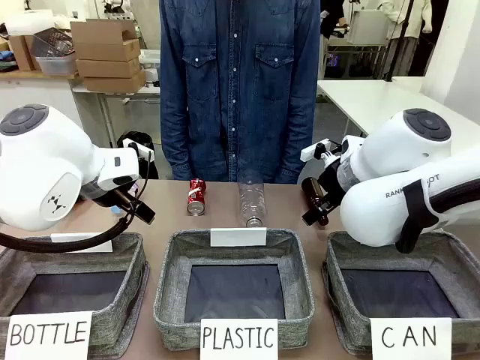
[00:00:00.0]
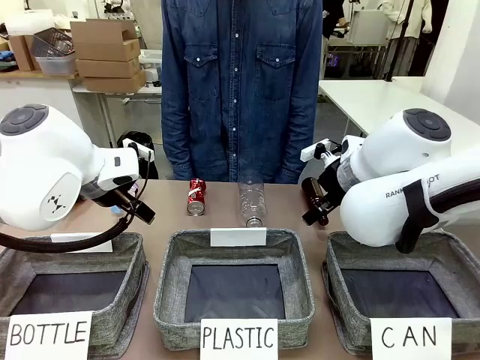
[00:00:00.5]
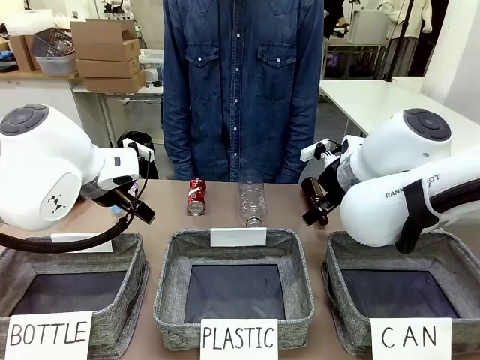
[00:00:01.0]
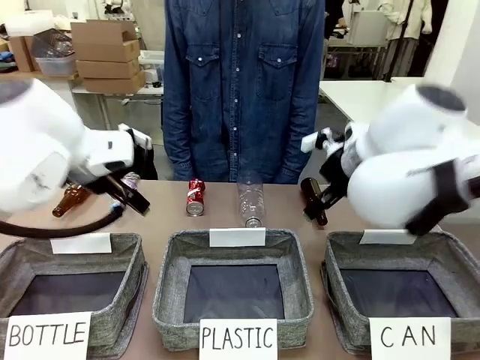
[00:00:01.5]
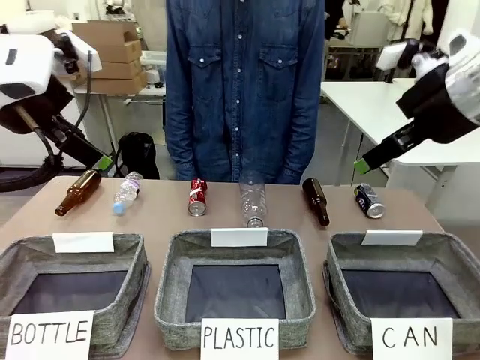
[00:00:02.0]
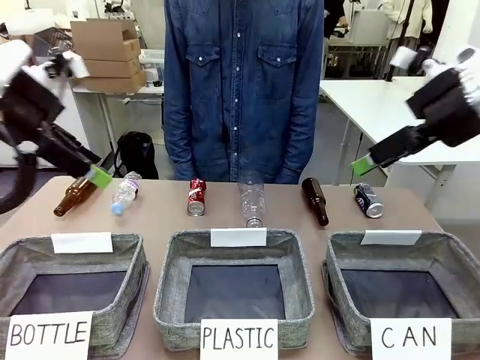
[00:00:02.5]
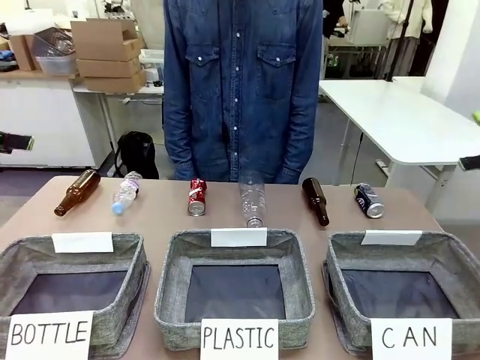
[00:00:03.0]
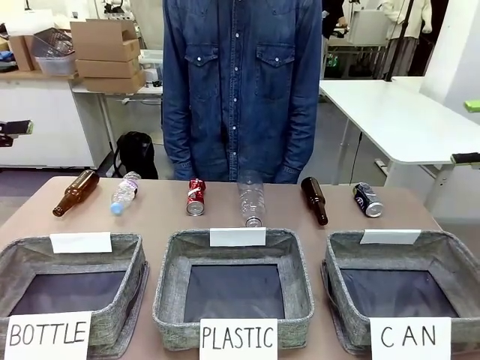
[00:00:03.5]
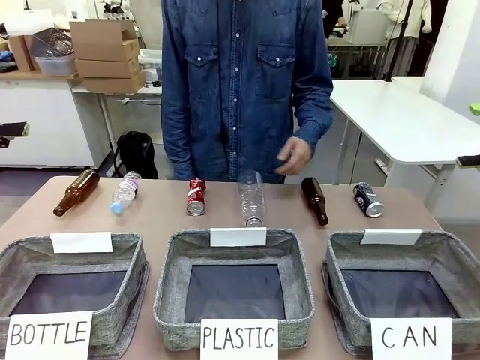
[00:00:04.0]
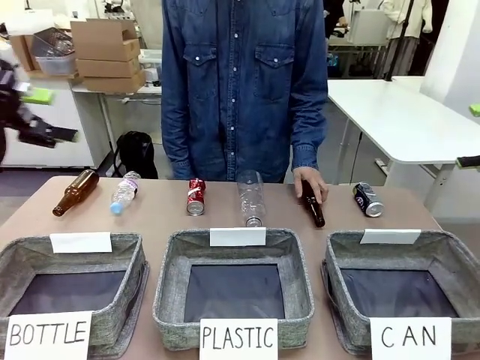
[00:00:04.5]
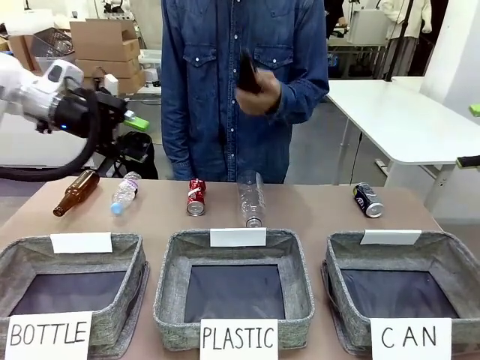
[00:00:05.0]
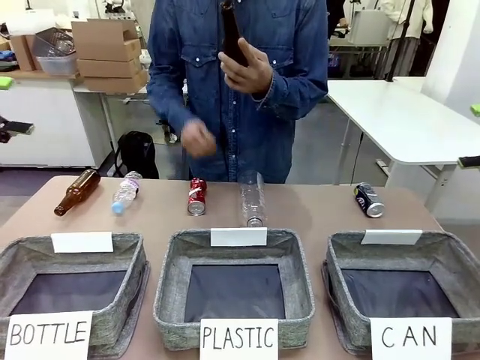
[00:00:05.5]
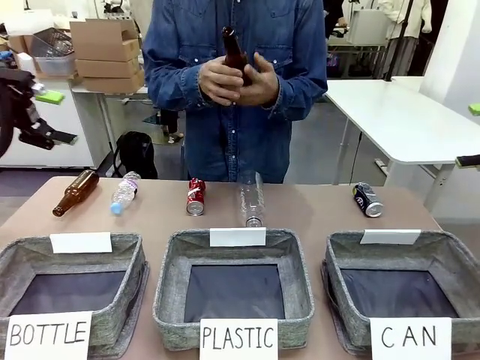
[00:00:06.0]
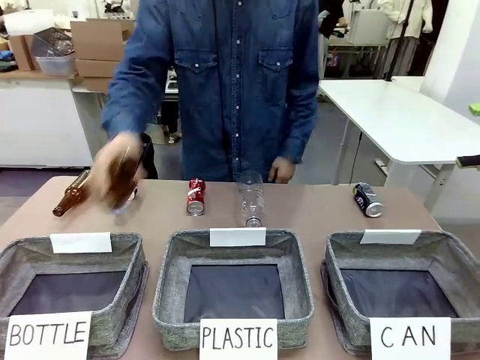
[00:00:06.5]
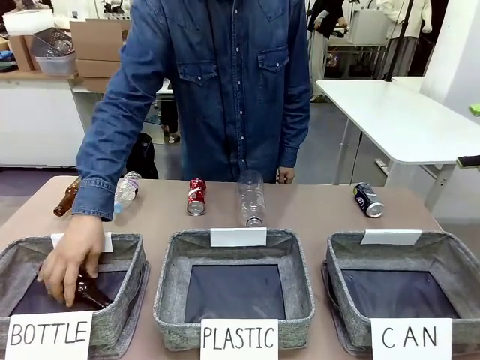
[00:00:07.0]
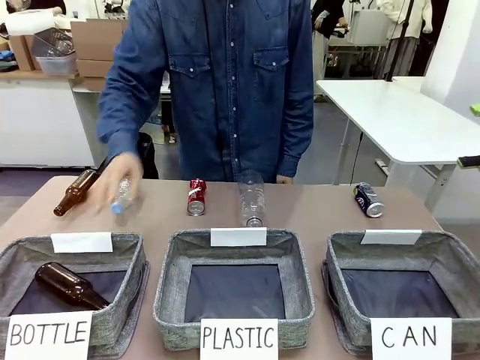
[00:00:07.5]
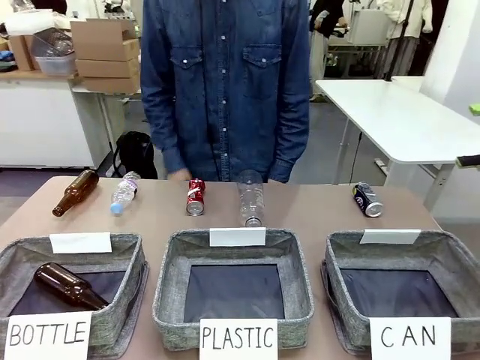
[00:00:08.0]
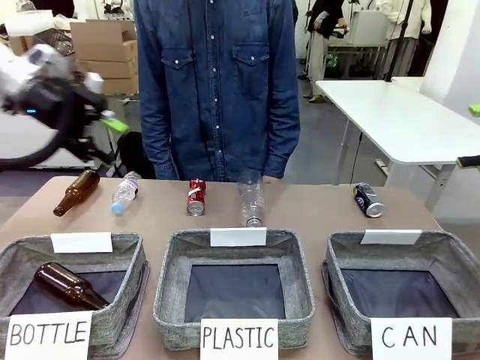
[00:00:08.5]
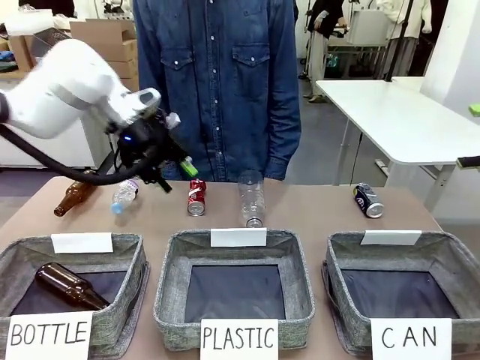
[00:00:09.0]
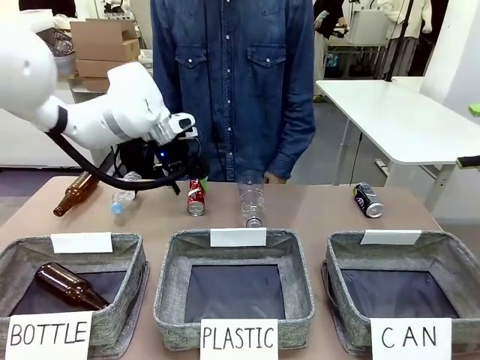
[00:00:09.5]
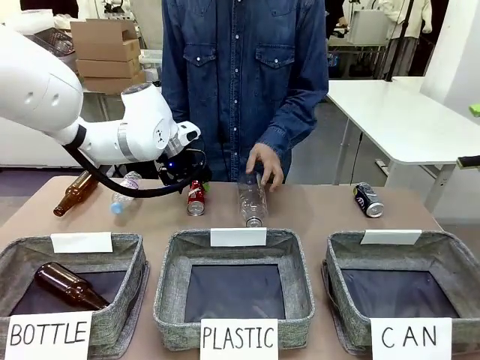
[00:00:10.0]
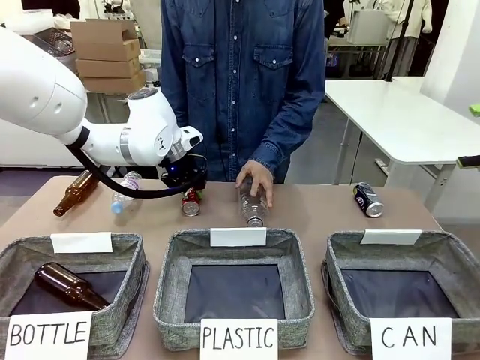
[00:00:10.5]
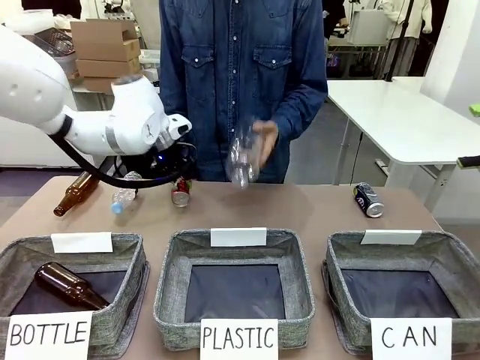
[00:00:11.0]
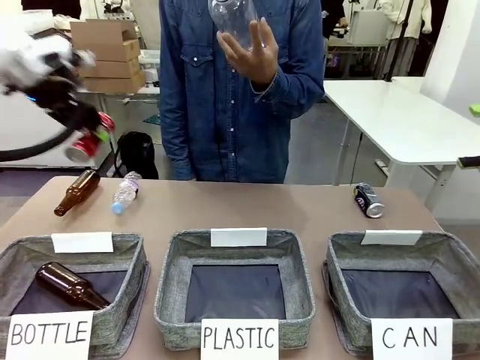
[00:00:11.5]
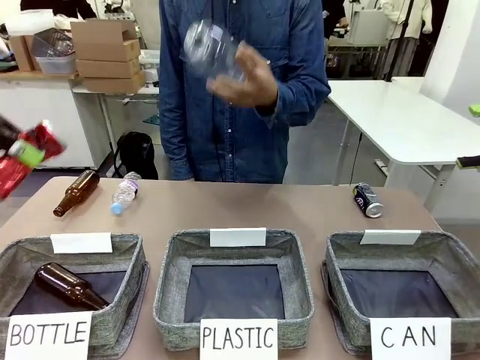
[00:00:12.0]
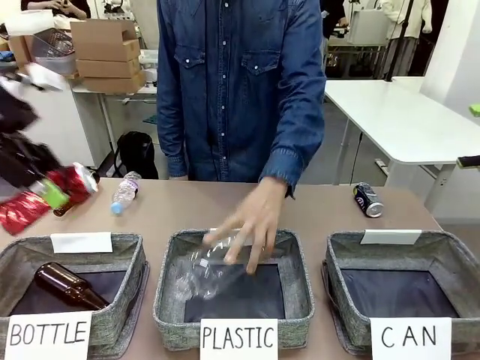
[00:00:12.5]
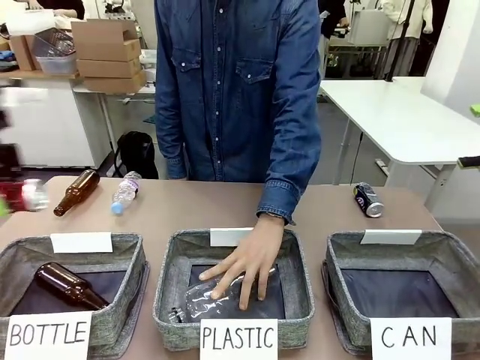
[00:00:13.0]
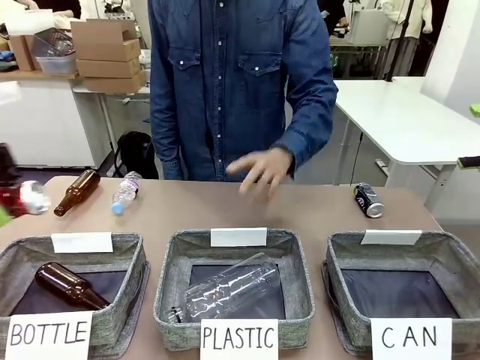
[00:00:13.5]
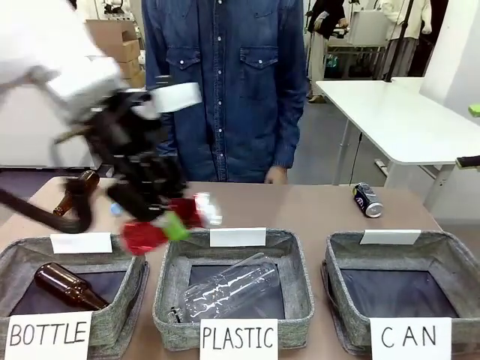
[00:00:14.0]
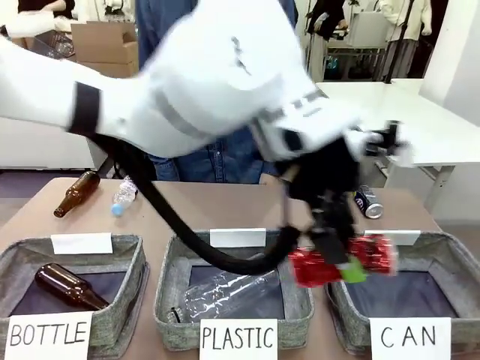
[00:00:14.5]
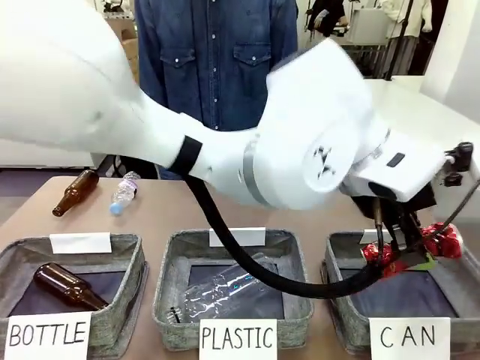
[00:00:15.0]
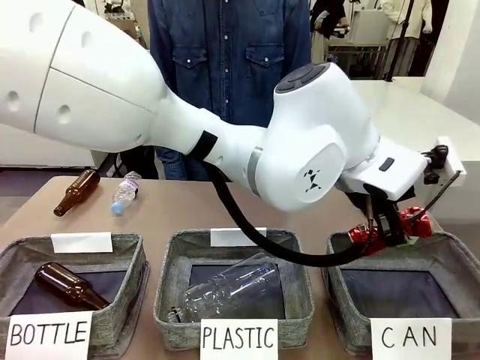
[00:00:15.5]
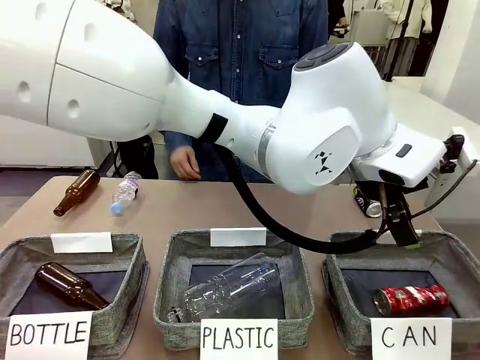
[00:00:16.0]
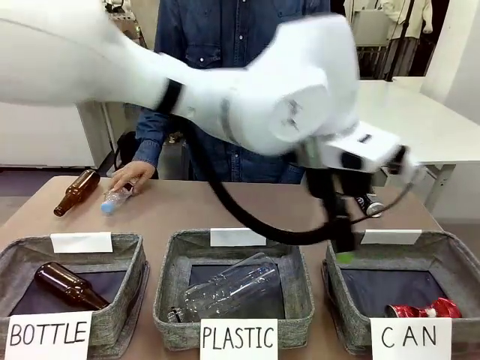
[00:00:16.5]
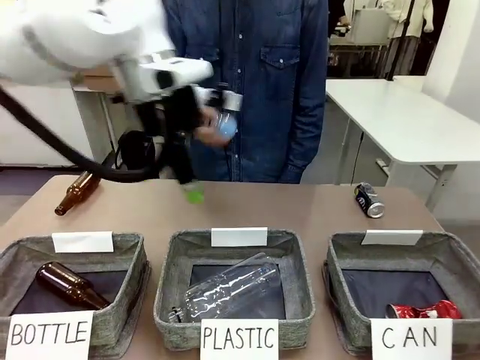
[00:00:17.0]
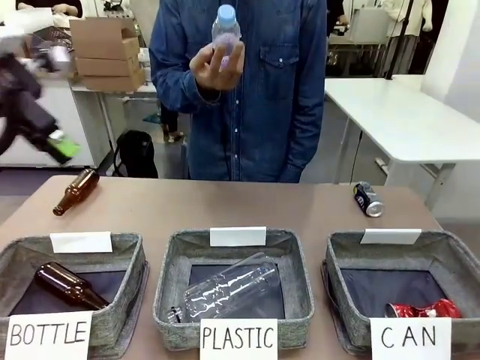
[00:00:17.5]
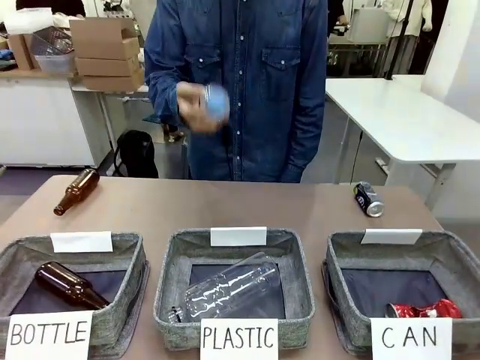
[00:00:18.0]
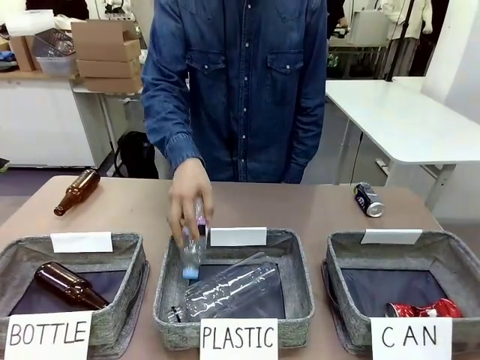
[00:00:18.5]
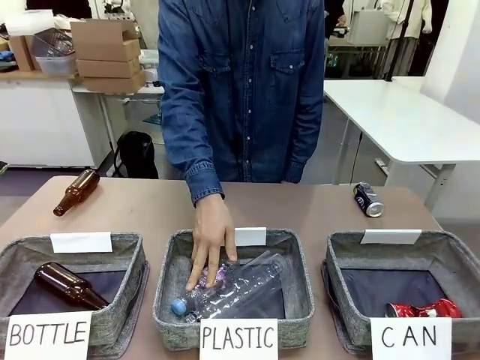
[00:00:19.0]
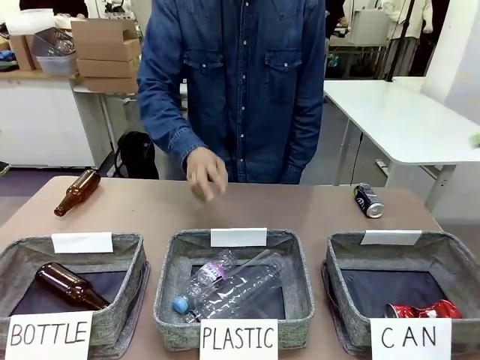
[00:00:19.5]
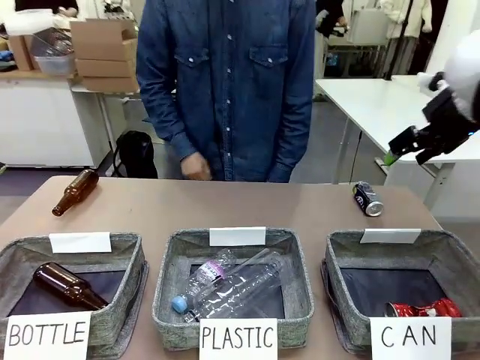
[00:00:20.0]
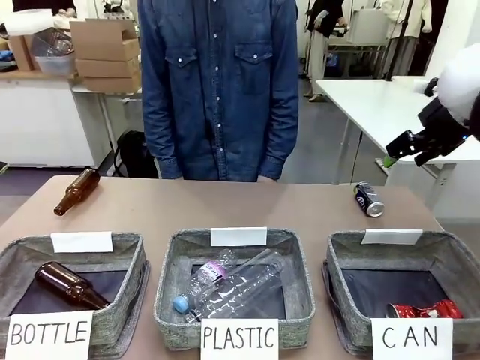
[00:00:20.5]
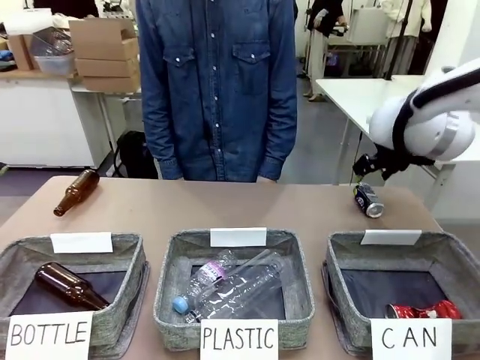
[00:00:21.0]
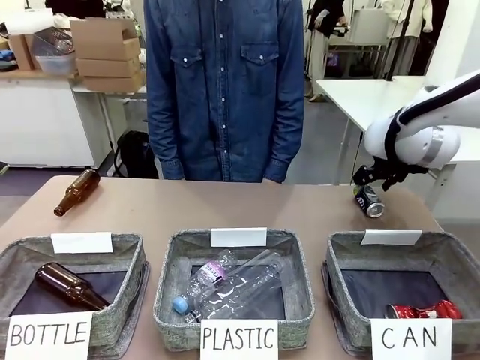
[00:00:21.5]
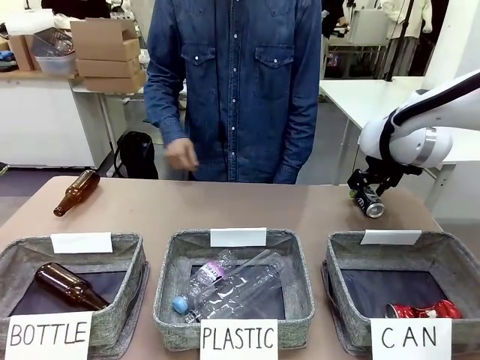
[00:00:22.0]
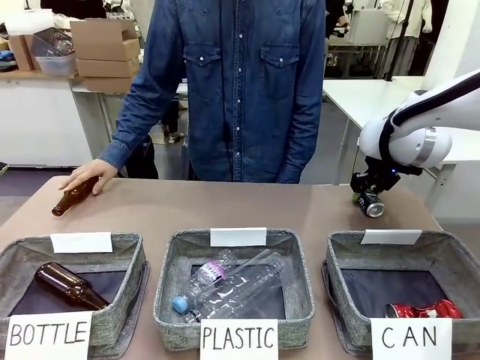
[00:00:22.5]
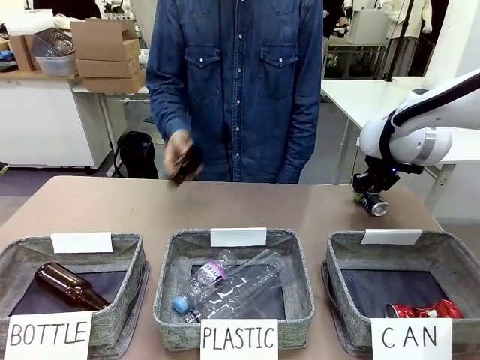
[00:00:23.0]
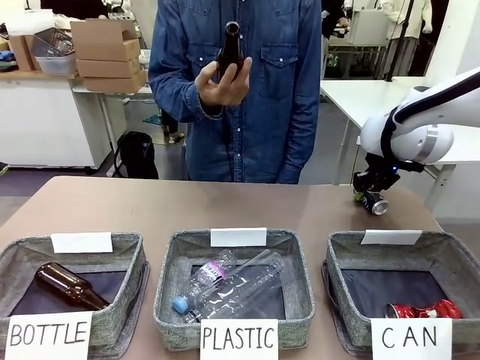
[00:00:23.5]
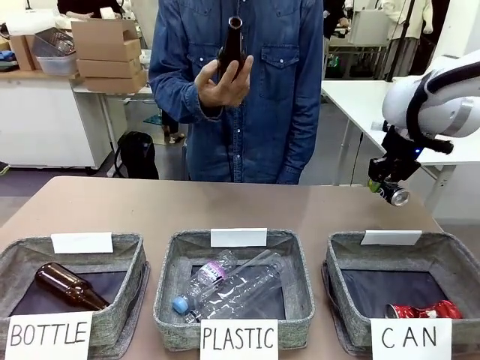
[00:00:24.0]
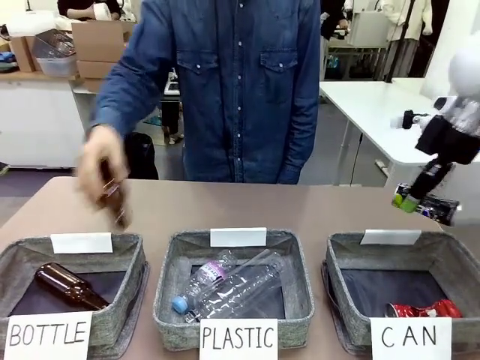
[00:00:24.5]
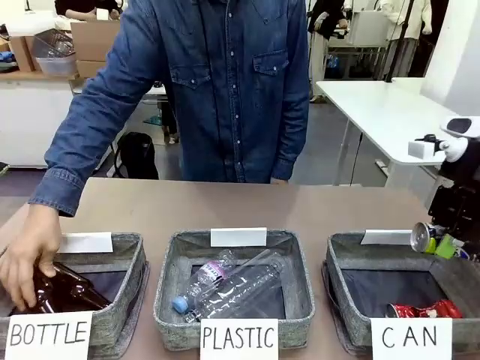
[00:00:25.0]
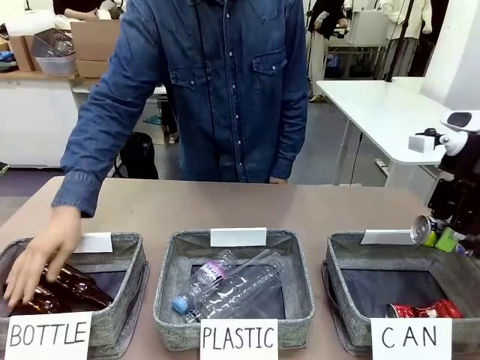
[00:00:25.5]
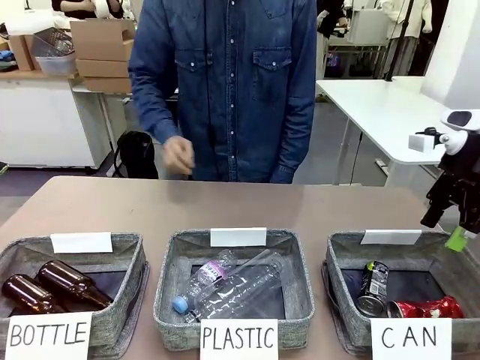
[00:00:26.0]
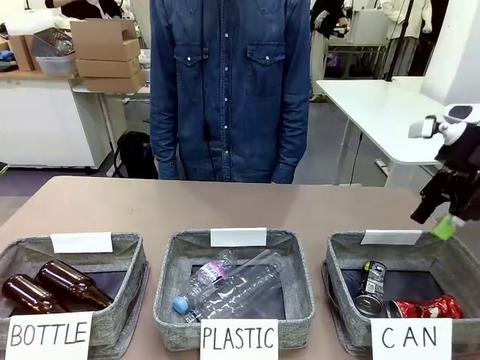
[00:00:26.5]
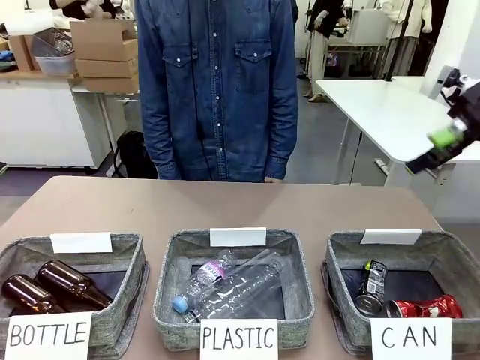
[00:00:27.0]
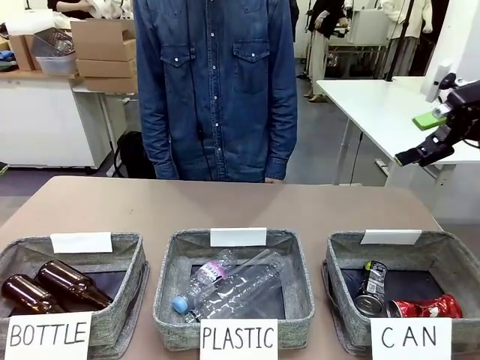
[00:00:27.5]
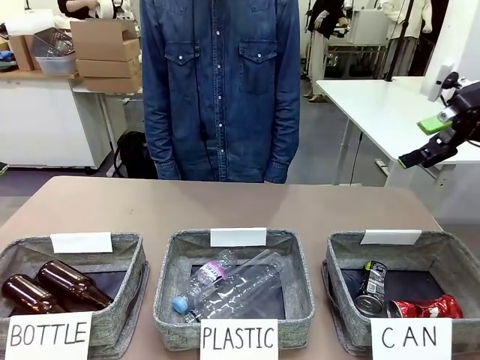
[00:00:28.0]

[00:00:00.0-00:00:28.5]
Task: Sort the can waste into the basket.
Robot: Pick up the can waste from the table and place it in the right Fabric basket.
Person: The human picks up one piece of trash that is not a can and places the trash into the appropriate organizing basket.
